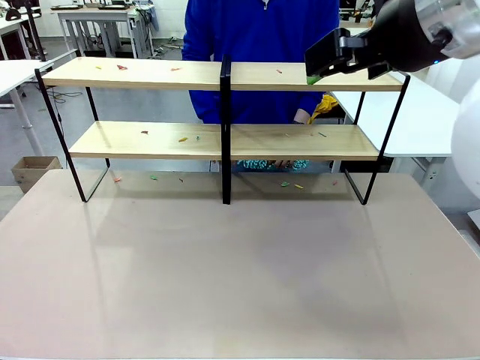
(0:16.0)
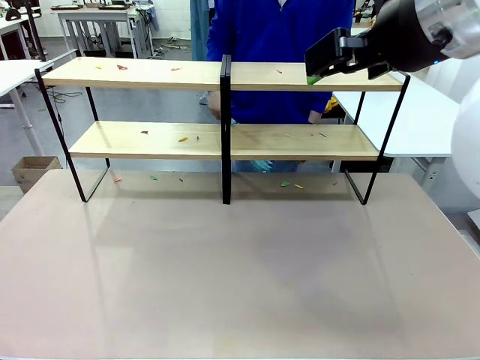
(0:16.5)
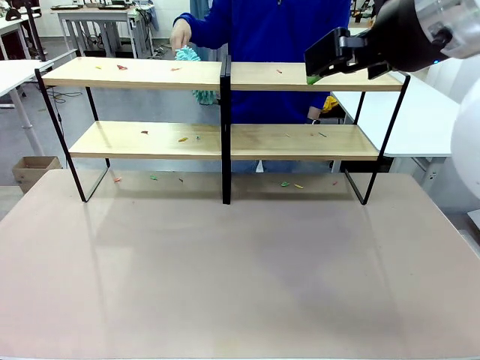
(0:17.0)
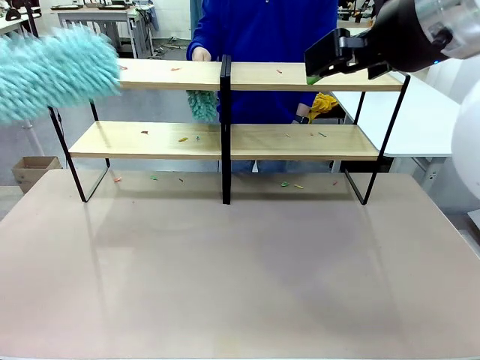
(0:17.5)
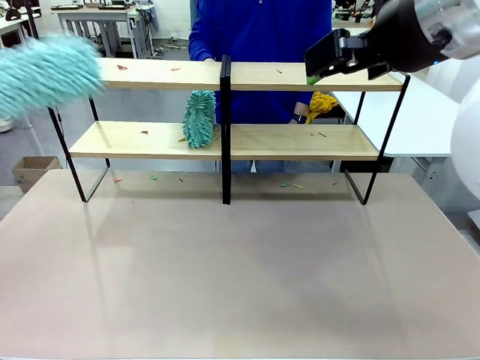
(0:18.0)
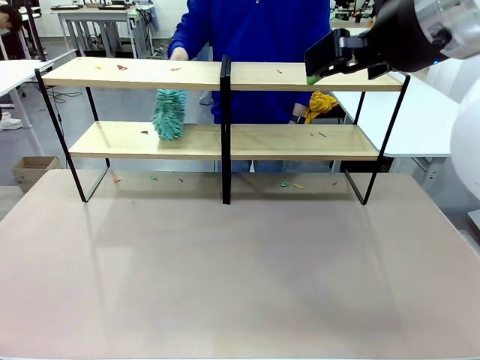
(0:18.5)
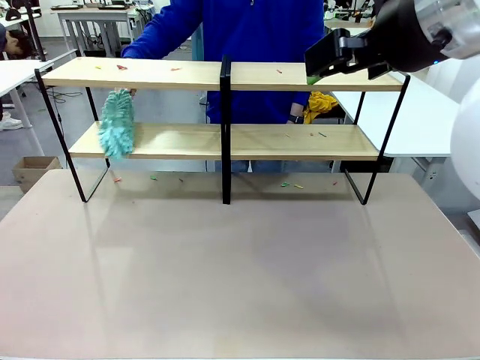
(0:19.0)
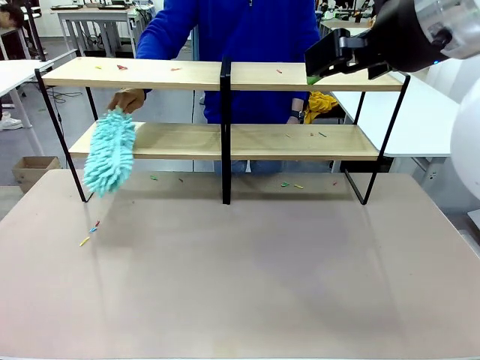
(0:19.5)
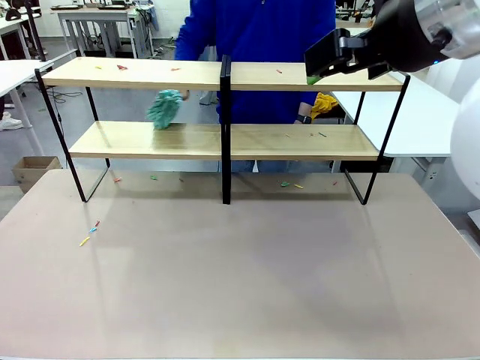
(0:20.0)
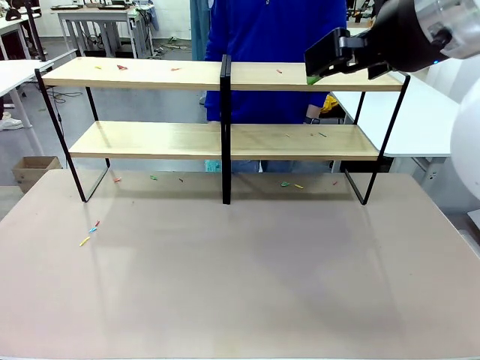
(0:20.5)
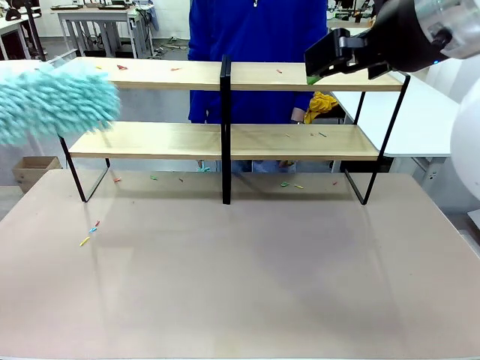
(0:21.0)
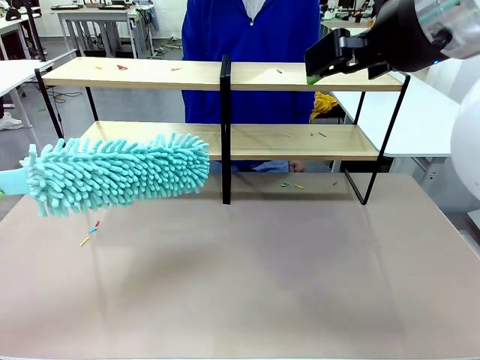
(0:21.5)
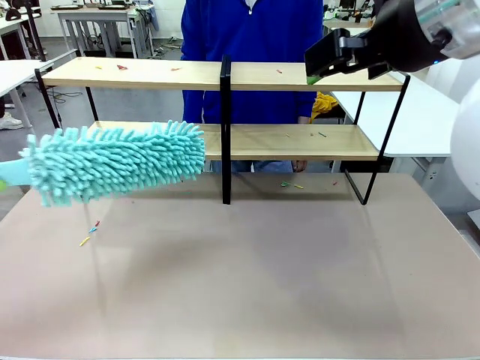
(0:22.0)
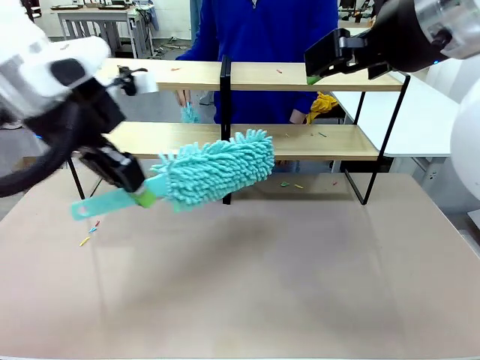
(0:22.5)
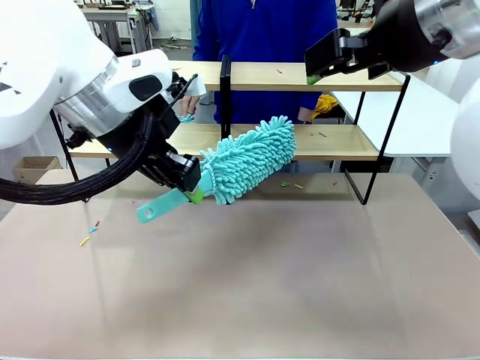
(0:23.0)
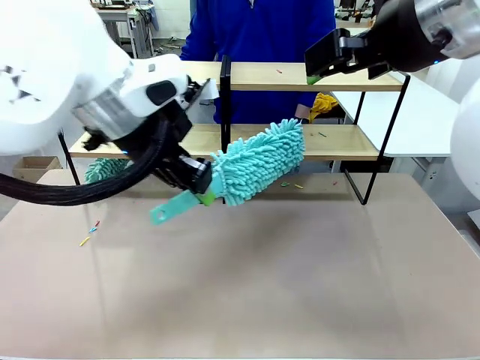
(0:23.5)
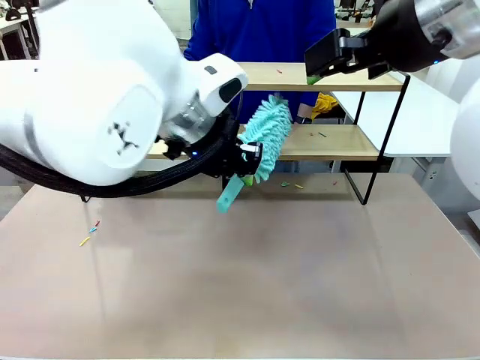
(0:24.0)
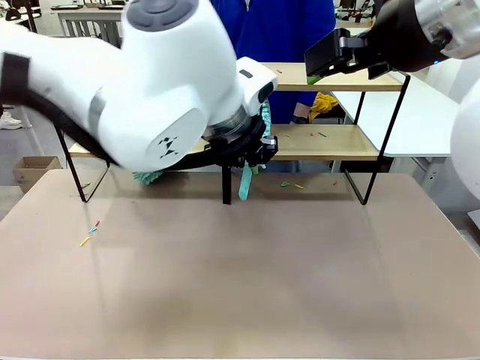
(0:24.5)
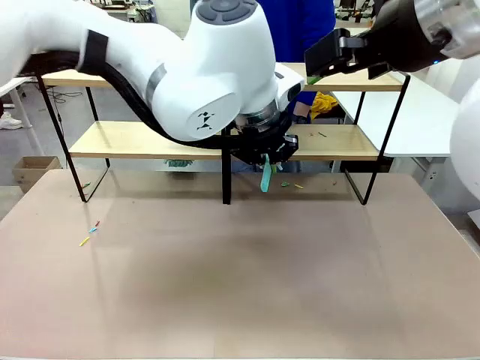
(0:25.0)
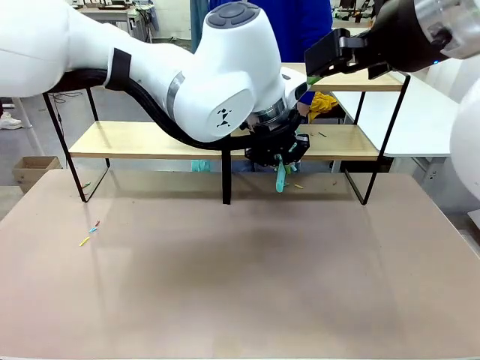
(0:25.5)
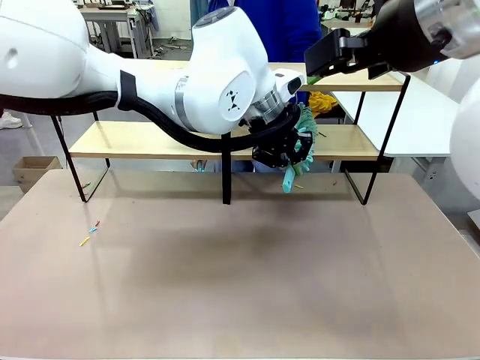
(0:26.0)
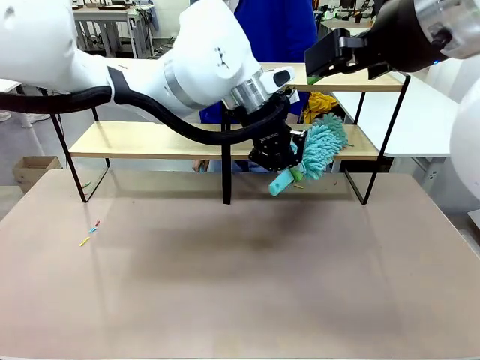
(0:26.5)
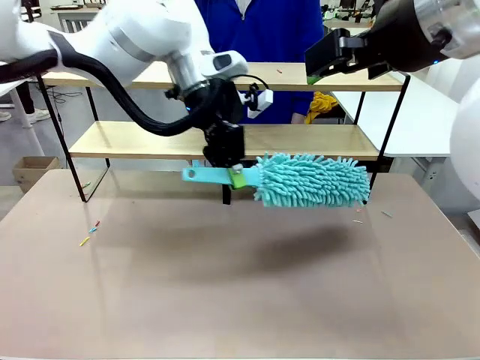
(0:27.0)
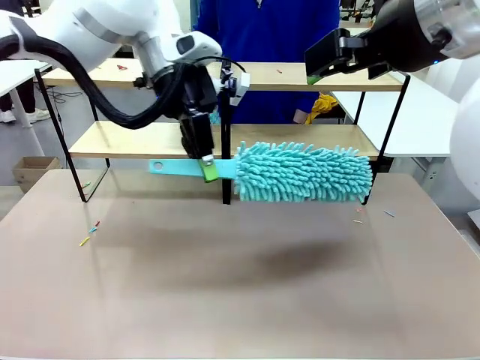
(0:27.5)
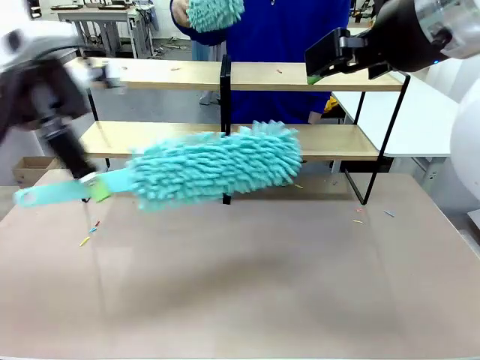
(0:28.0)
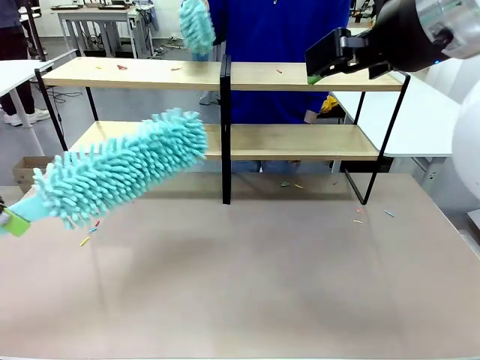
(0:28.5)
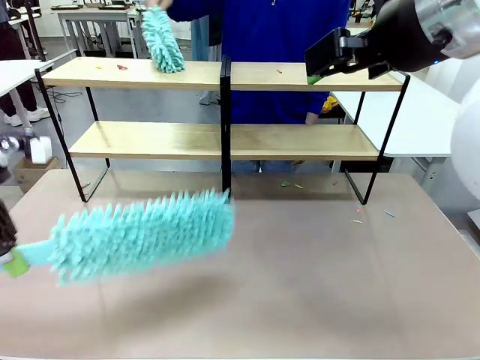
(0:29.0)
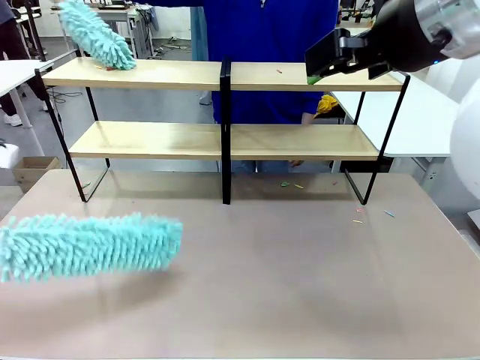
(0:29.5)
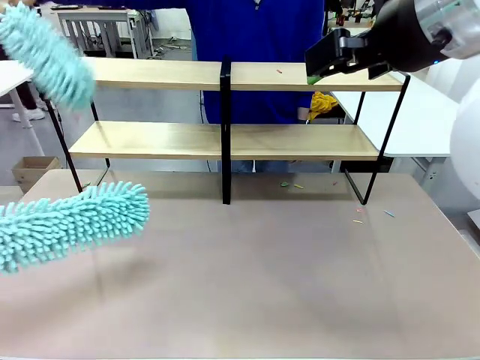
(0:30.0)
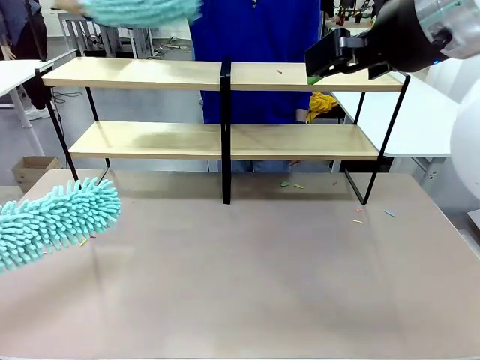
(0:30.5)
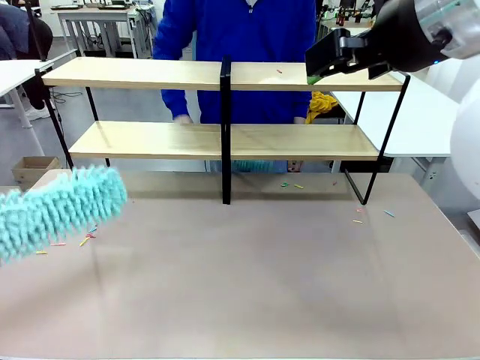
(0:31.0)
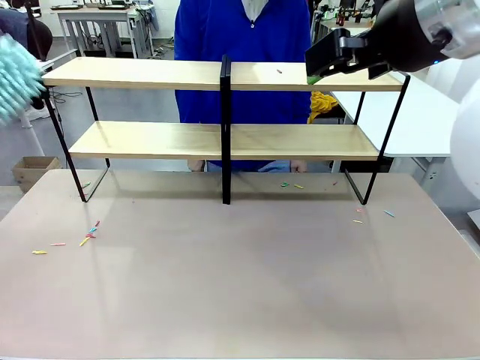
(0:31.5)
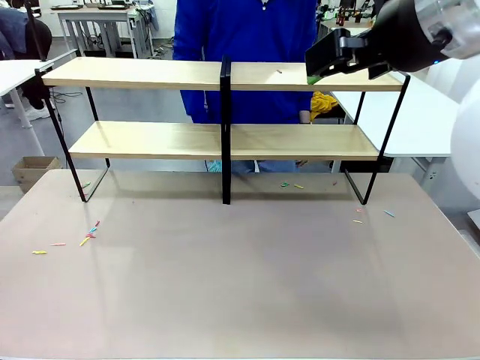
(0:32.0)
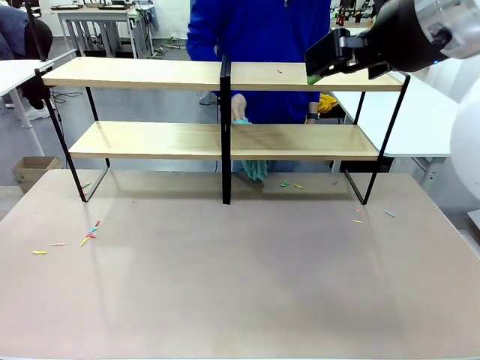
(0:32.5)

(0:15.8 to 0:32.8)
Task: Clean the shelves.
Robot: Clean a randomly selected level of the Shelf with the Duster.

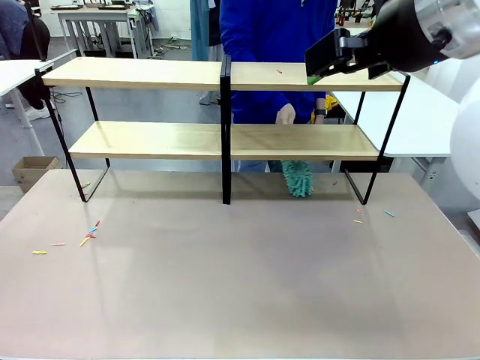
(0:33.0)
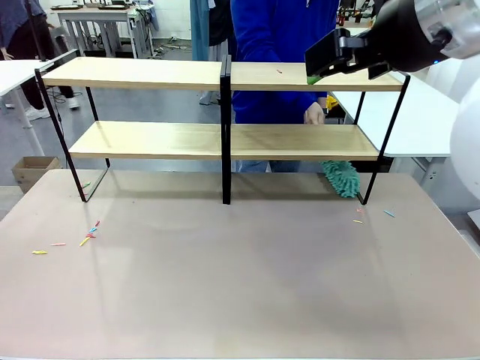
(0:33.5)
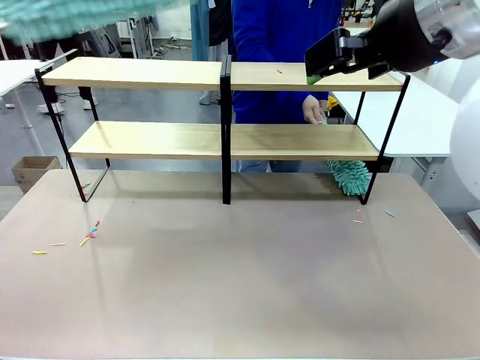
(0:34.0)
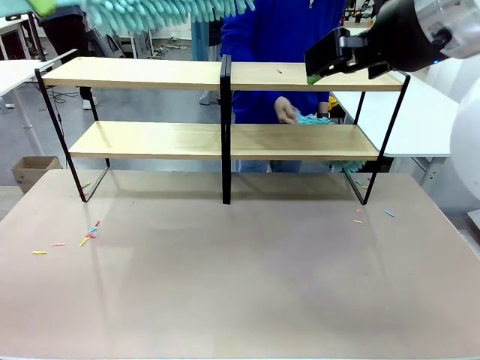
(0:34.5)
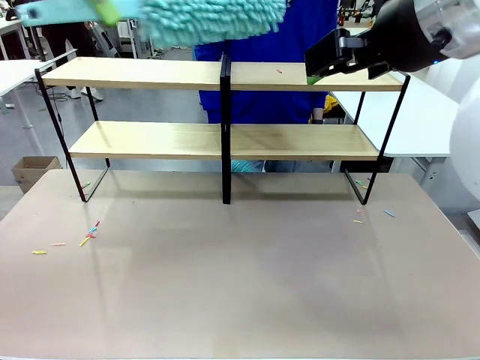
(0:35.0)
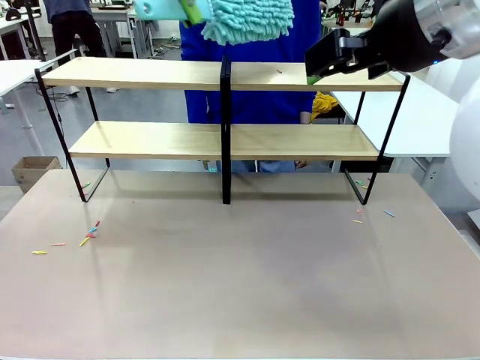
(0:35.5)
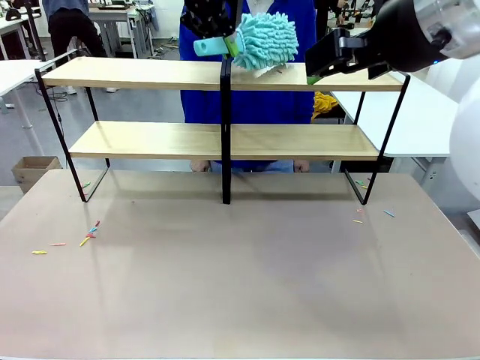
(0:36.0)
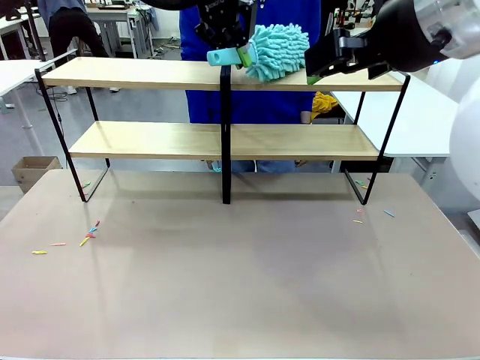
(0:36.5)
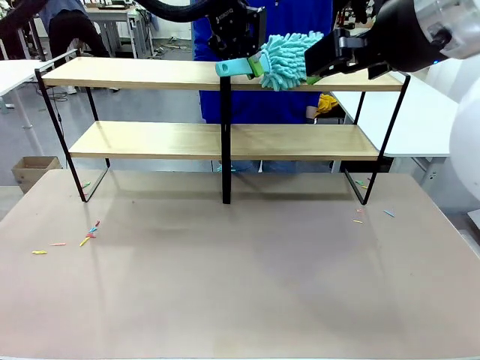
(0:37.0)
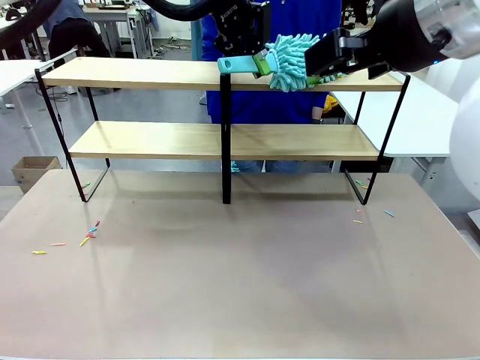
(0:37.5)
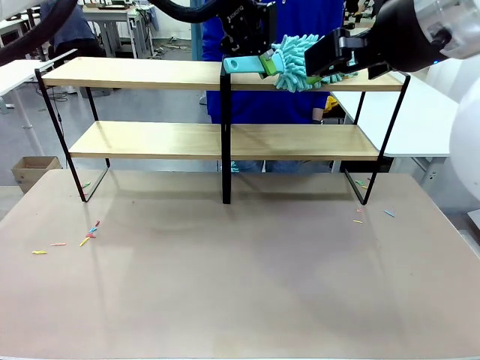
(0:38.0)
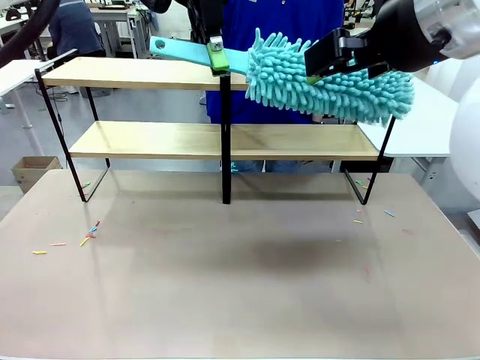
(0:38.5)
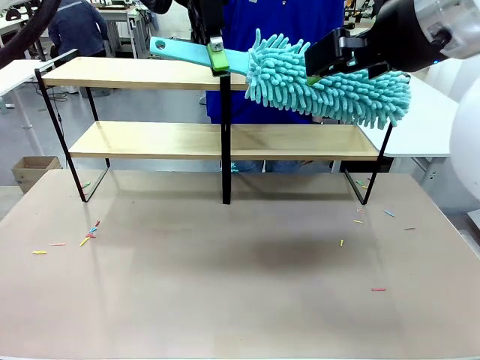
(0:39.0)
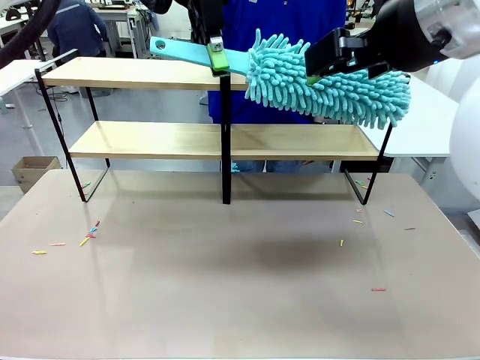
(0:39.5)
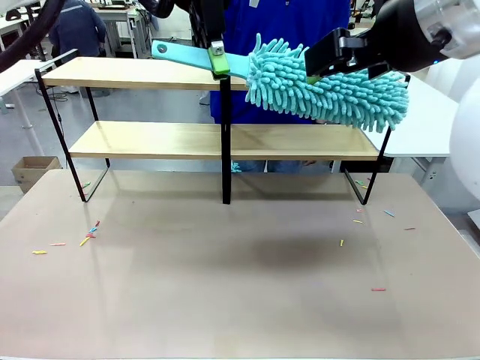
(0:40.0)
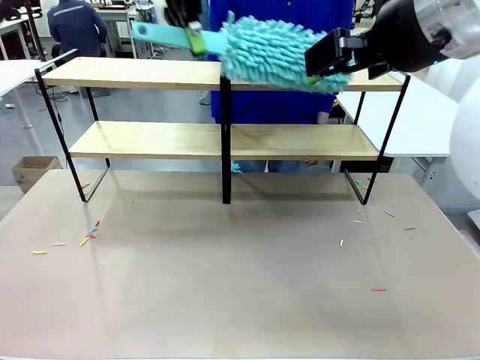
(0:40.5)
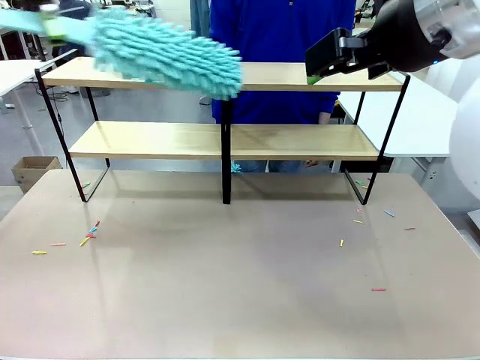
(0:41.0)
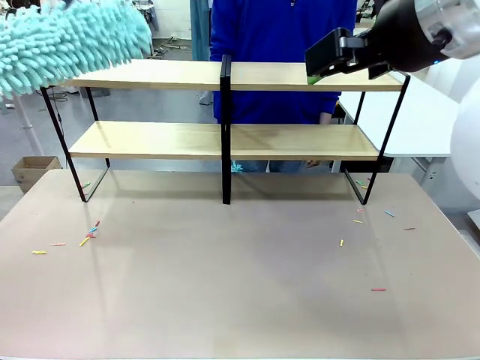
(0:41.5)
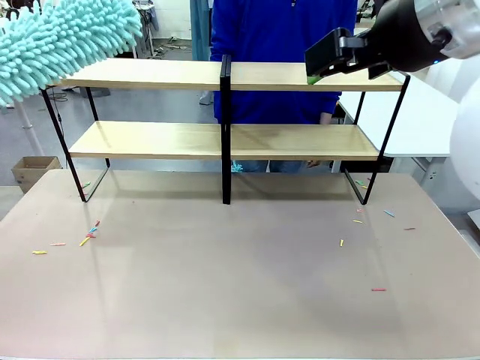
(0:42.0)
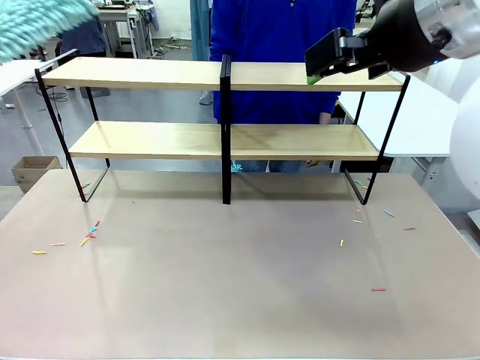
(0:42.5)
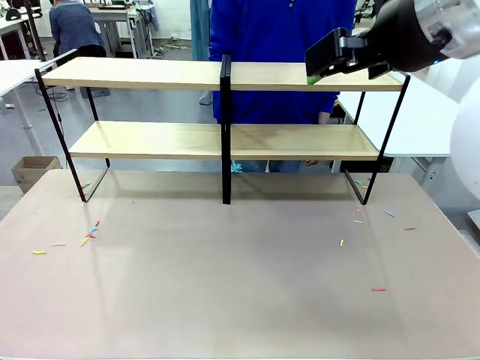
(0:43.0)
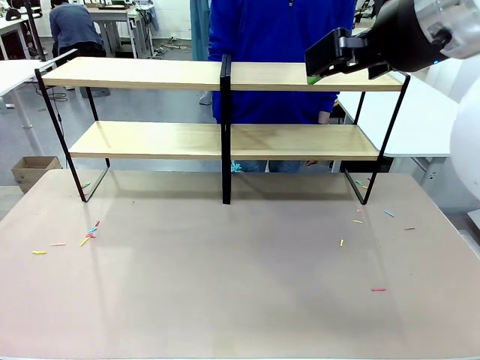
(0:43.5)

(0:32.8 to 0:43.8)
Robot: Clean another randomly selected level of the Shelf with the Duster.
